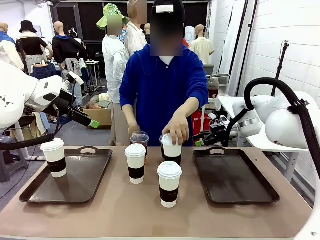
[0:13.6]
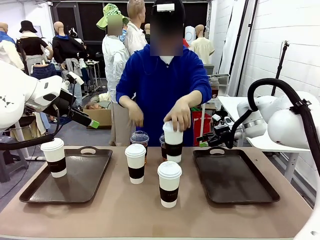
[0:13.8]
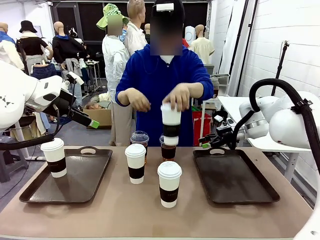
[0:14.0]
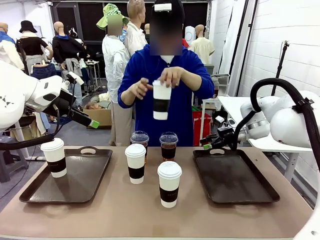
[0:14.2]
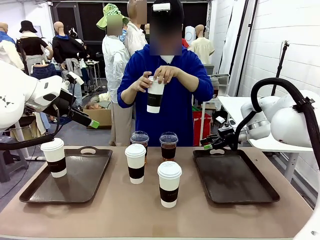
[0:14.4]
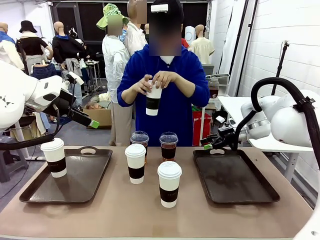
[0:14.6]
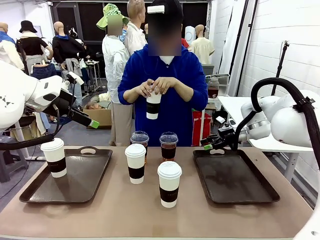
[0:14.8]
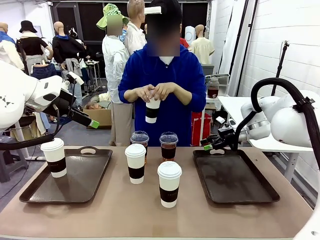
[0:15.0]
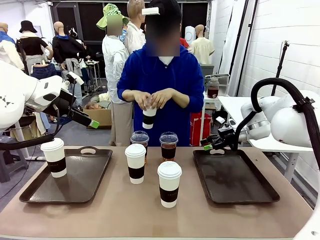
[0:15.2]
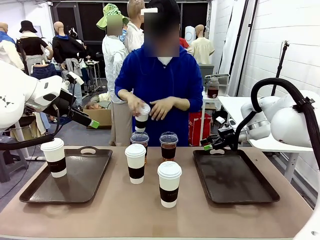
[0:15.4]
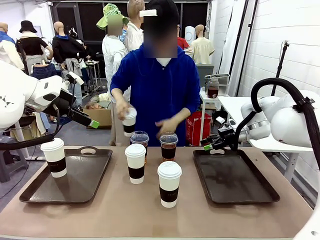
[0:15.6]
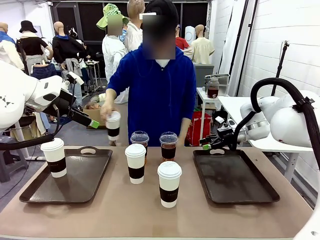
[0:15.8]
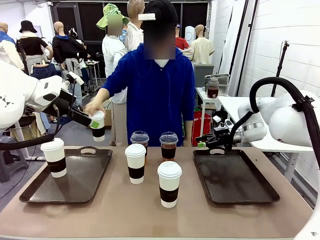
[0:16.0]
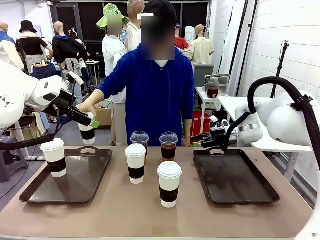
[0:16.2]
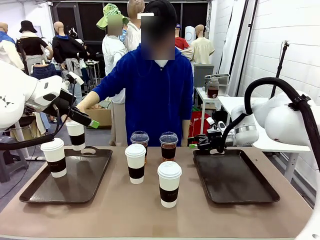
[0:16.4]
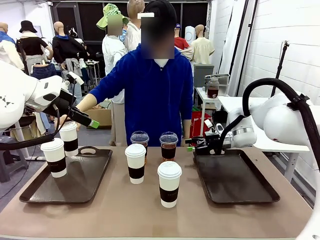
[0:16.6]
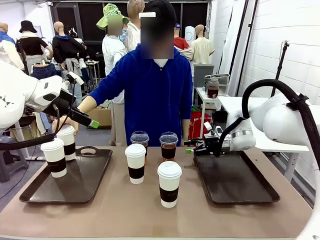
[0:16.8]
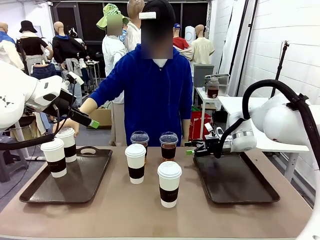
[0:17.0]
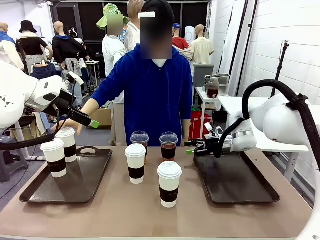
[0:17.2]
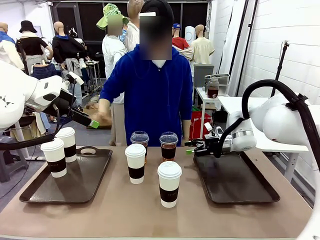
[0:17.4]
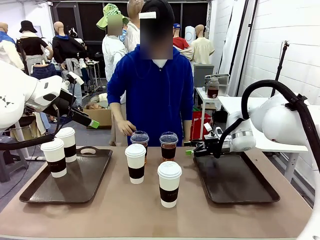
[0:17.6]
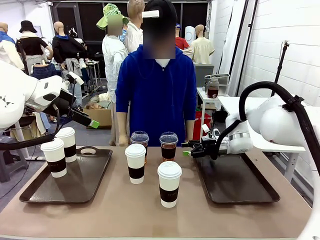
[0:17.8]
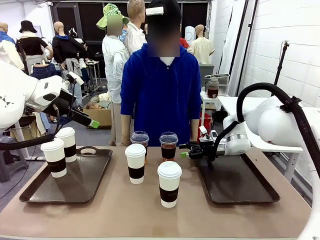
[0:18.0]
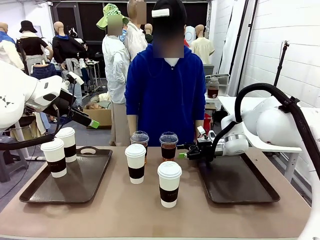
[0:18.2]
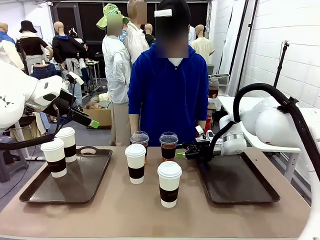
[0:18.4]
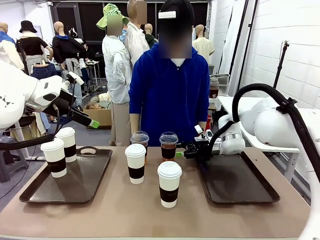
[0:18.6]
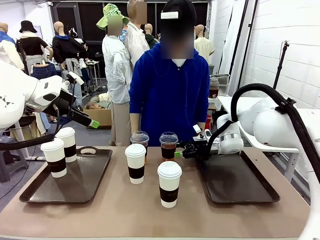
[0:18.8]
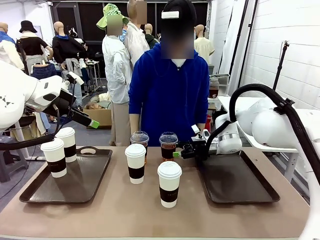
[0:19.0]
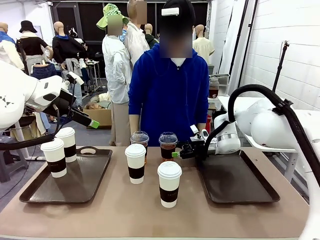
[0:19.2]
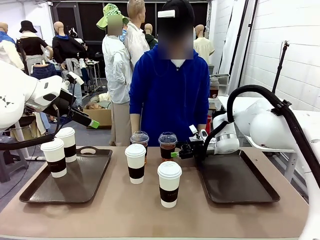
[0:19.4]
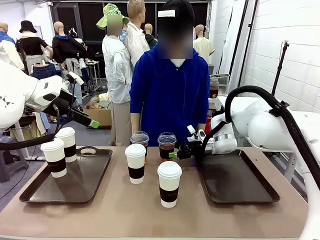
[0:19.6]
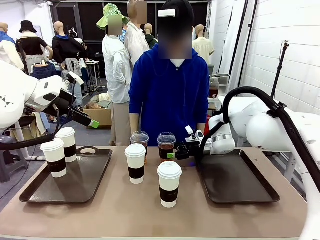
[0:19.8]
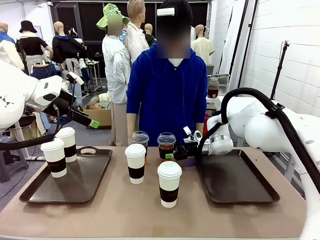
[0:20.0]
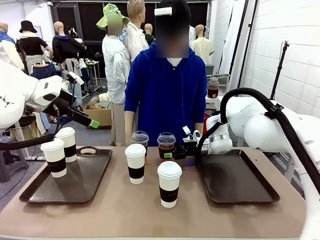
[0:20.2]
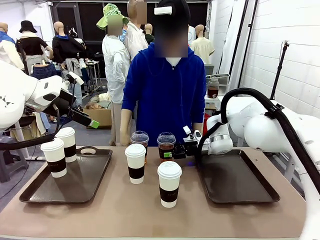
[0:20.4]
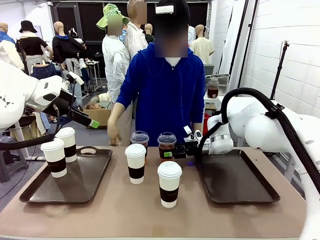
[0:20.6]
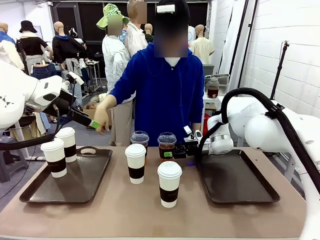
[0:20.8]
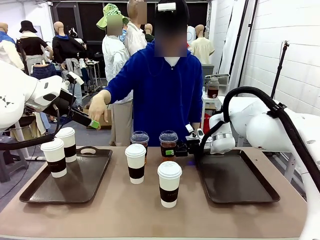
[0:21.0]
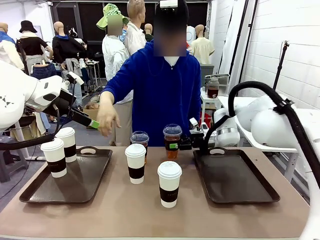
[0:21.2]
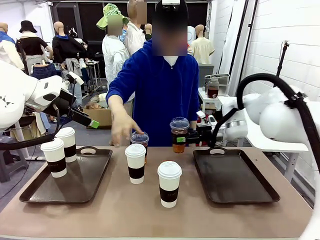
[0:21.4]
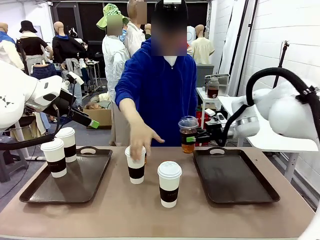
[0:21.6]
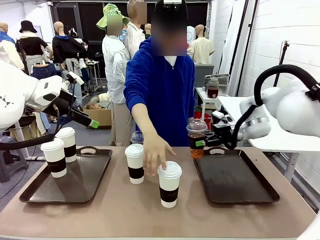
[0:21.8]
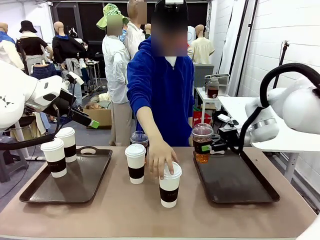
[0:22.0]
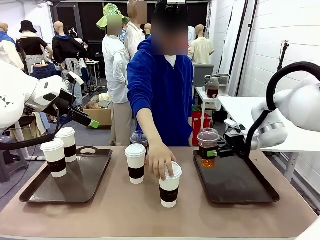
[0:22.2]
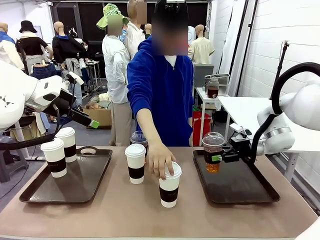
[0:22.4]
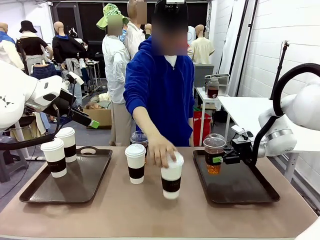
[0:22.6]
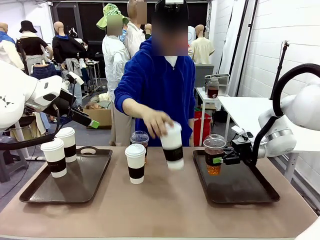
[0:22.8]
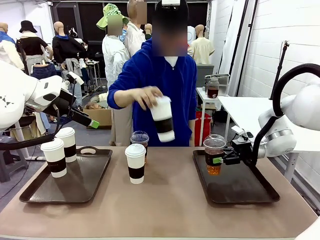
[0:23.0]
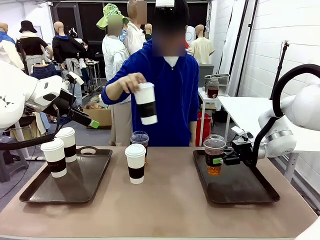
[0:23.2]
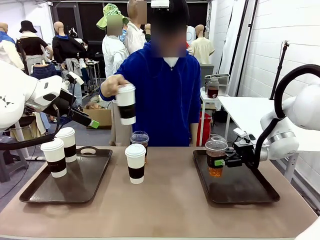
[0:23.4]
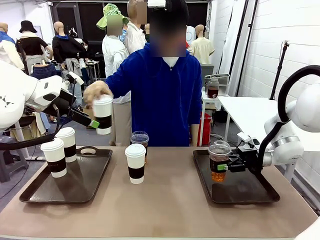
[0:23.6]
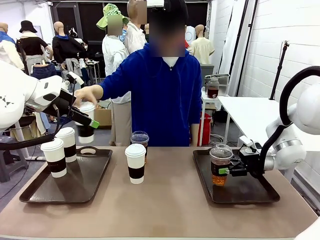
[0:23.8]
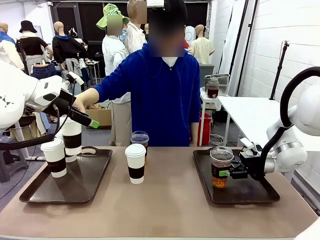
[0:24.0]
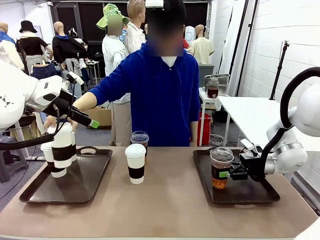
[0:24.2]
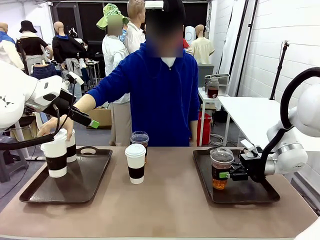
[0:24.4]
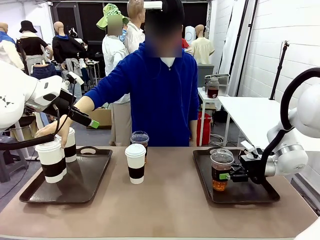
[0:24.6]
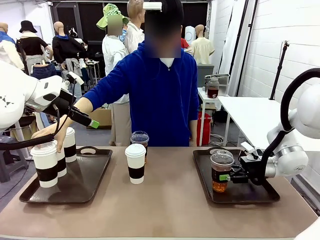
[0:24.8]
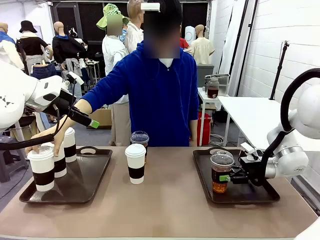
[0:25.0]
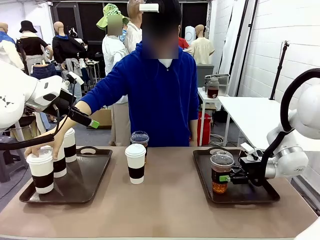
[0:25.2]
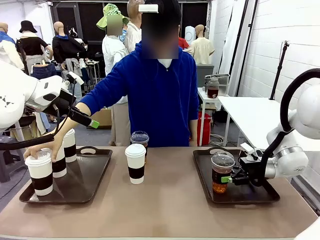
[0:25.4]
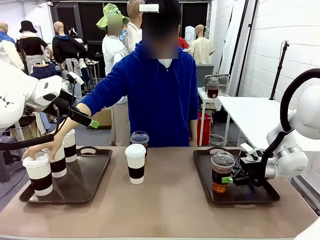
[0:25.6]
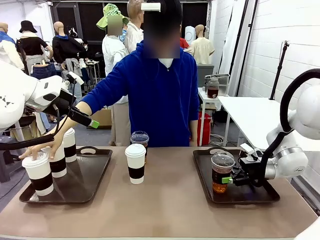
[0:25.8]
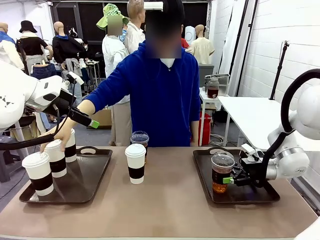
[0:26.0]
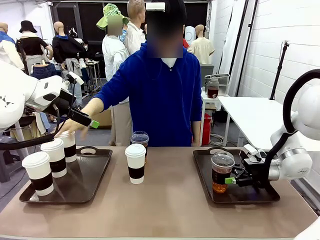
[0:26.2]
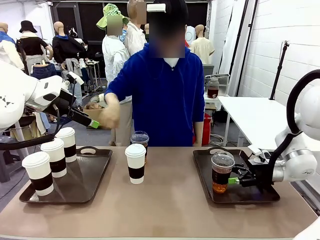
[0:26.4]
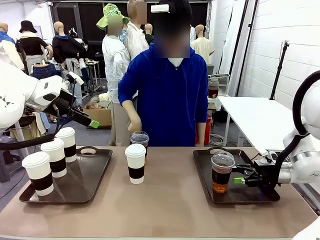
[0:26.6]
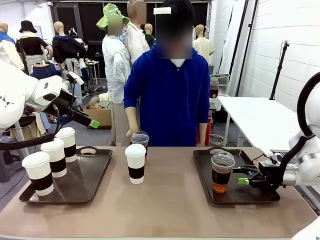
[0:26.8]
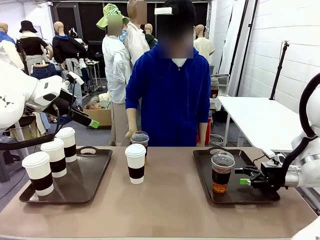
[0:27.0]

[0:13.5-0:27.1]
Task: Distribute the coffee onto the tray.
Robot: Pick up one iced Americano and place it on the right Handle tray.
